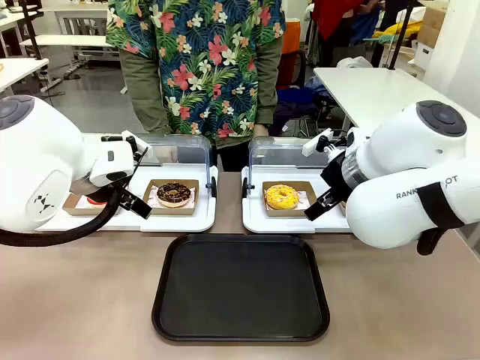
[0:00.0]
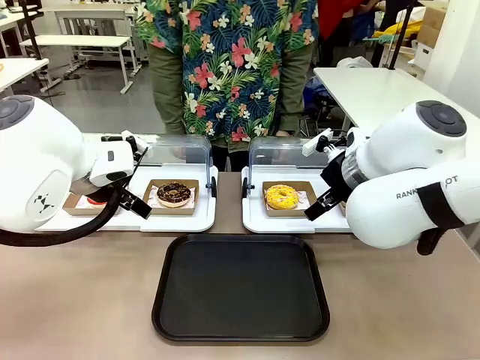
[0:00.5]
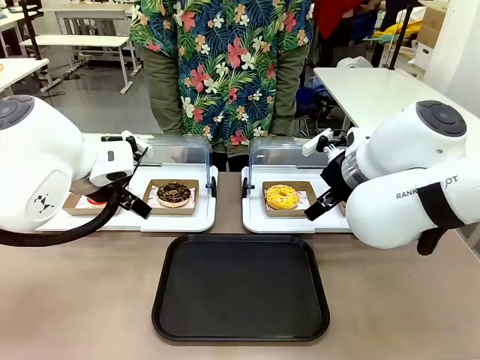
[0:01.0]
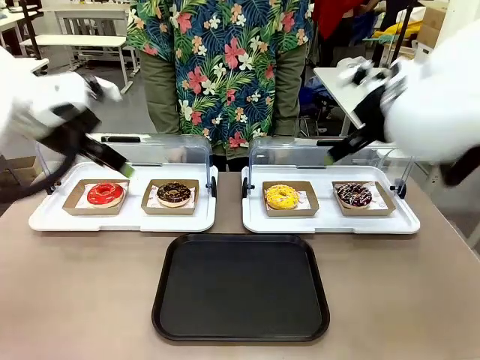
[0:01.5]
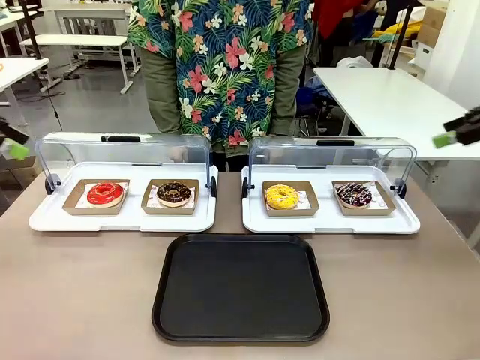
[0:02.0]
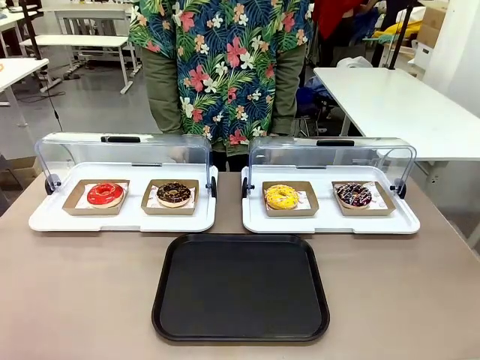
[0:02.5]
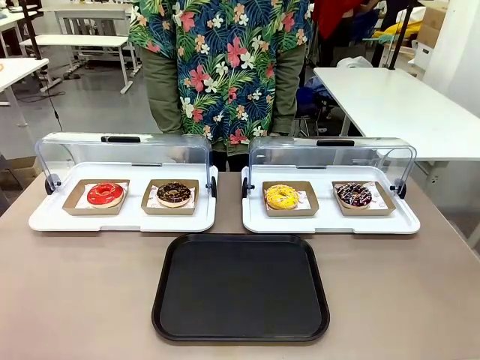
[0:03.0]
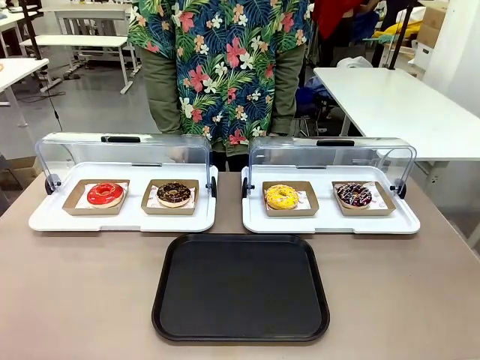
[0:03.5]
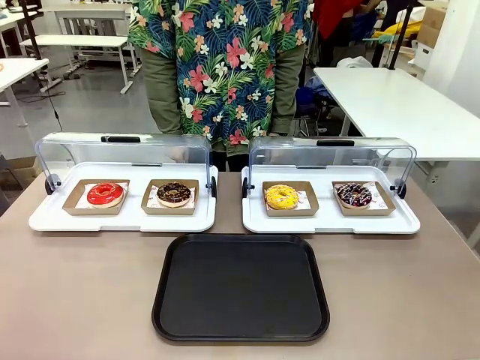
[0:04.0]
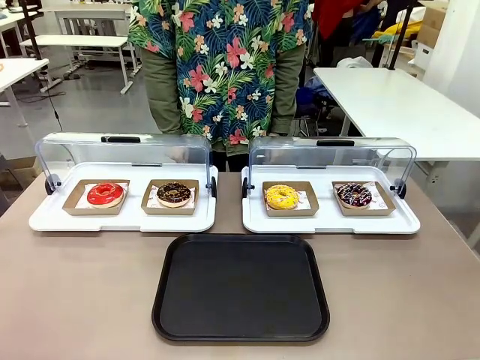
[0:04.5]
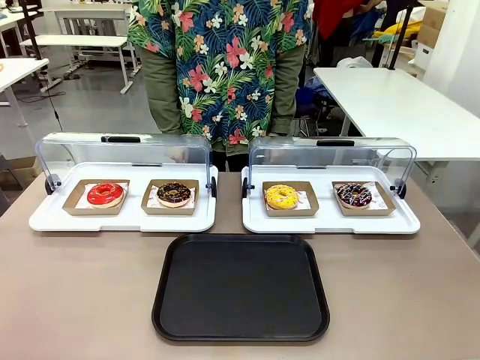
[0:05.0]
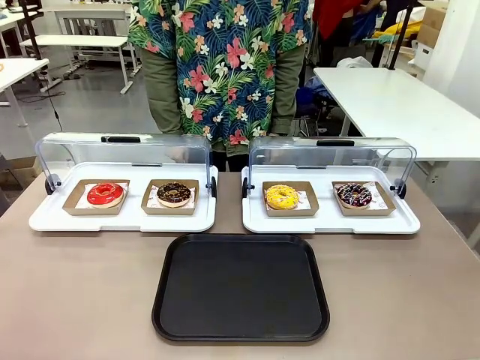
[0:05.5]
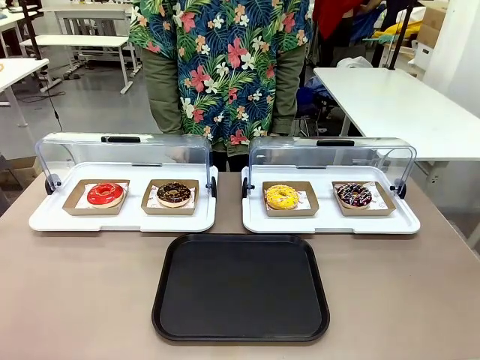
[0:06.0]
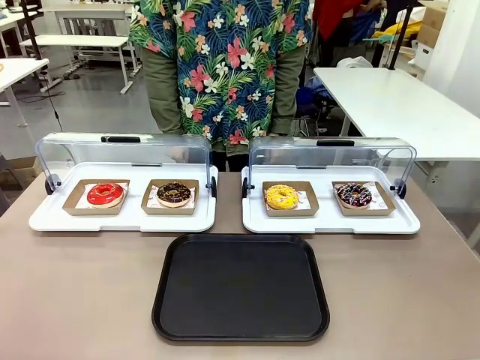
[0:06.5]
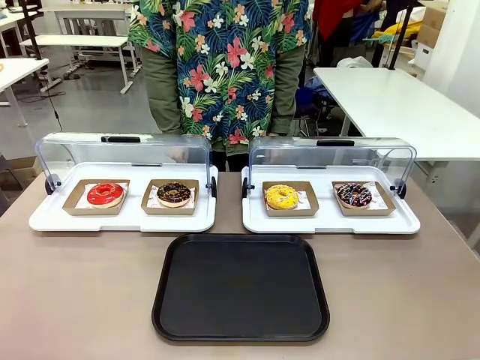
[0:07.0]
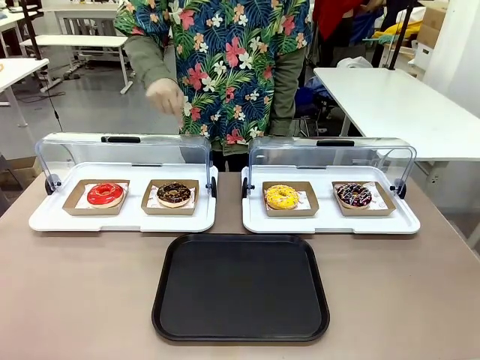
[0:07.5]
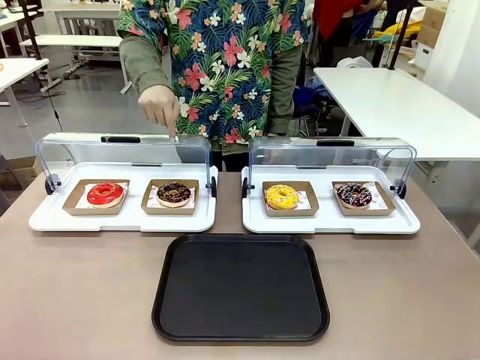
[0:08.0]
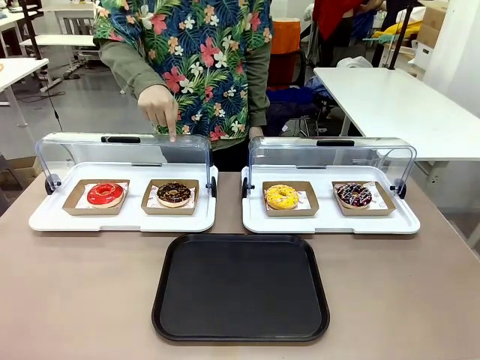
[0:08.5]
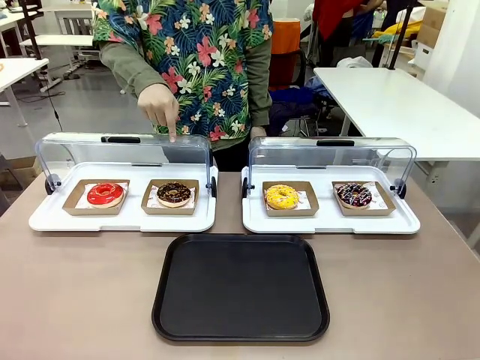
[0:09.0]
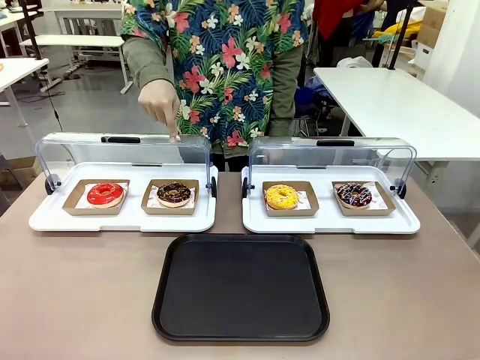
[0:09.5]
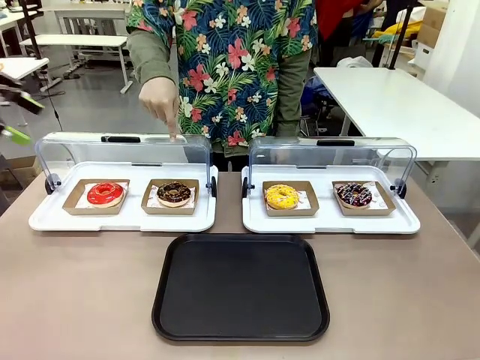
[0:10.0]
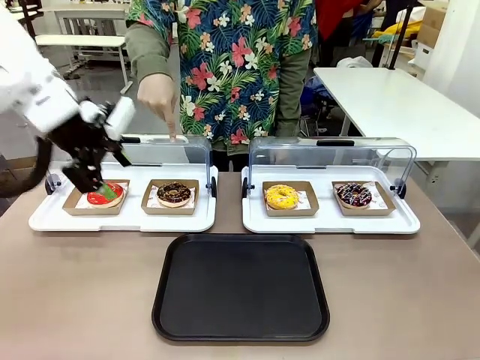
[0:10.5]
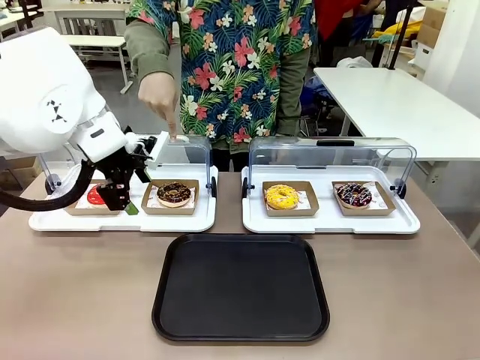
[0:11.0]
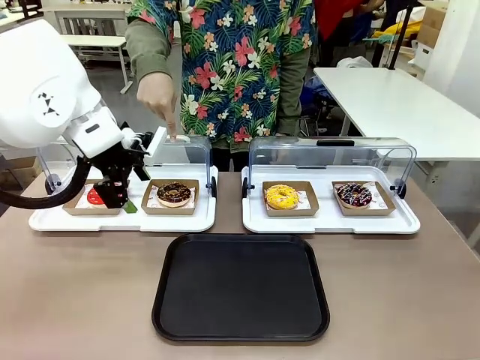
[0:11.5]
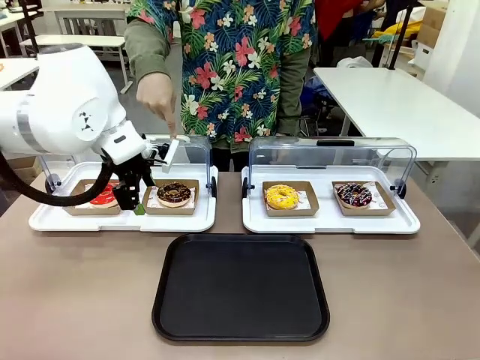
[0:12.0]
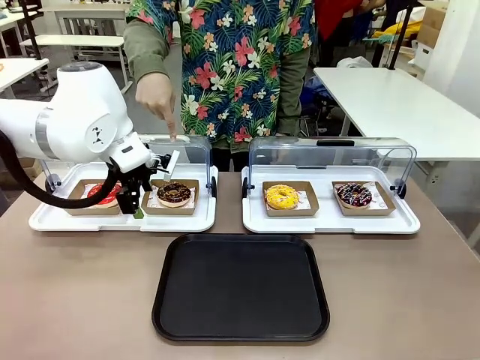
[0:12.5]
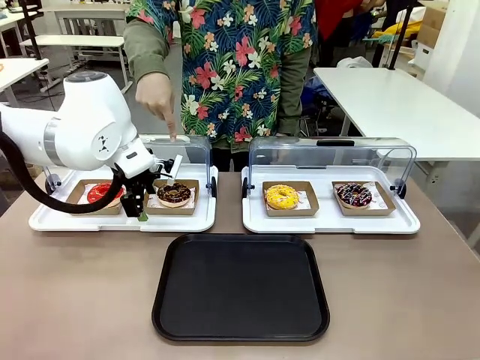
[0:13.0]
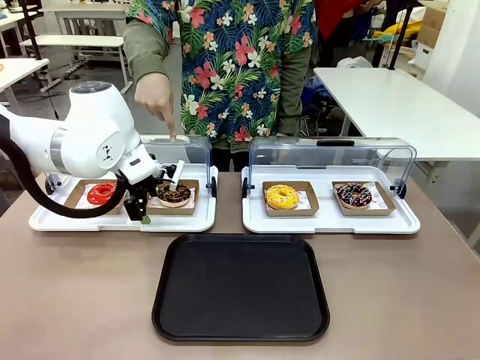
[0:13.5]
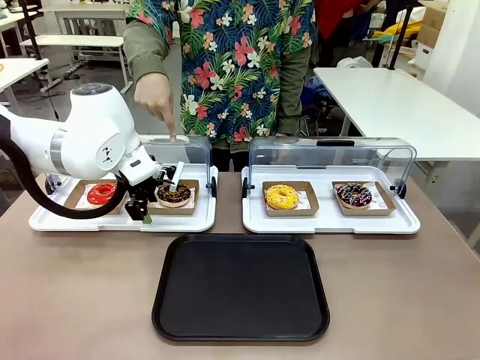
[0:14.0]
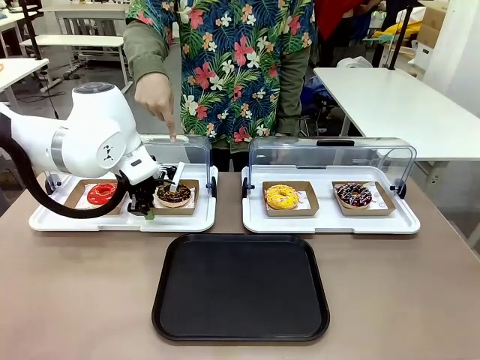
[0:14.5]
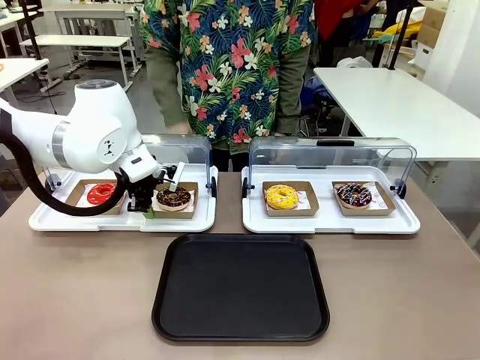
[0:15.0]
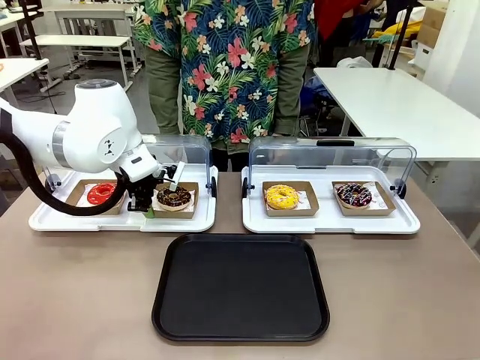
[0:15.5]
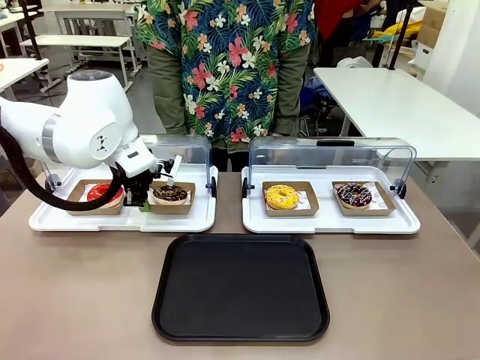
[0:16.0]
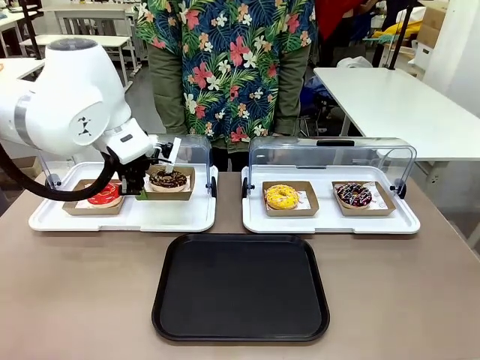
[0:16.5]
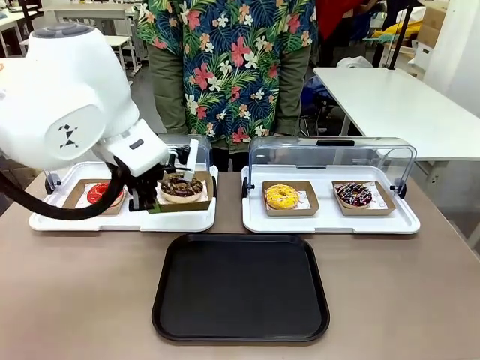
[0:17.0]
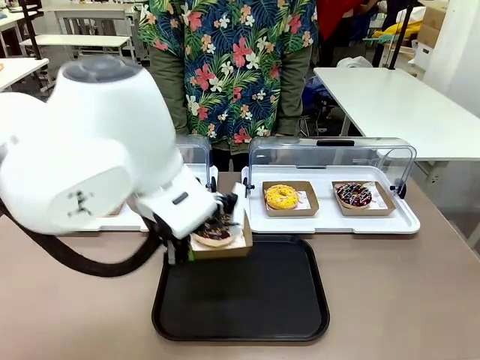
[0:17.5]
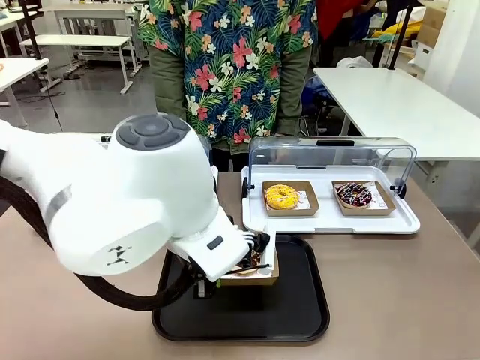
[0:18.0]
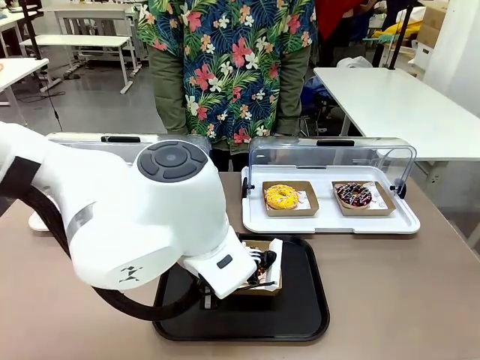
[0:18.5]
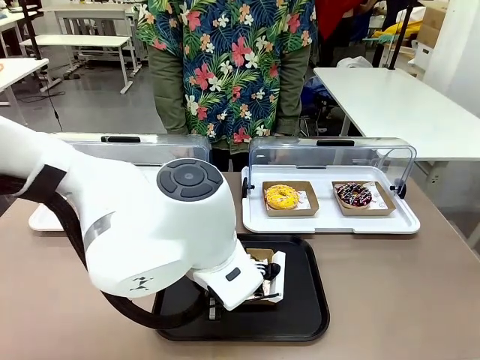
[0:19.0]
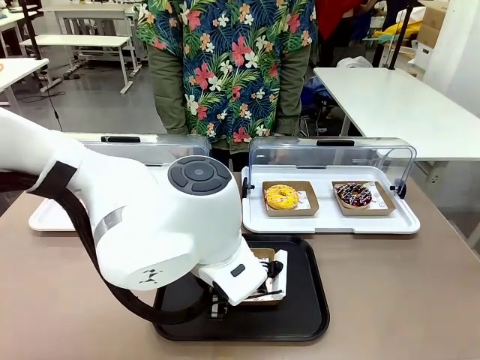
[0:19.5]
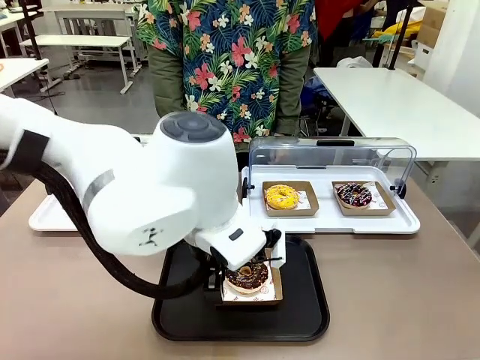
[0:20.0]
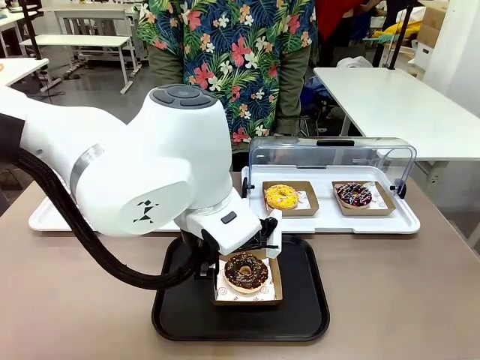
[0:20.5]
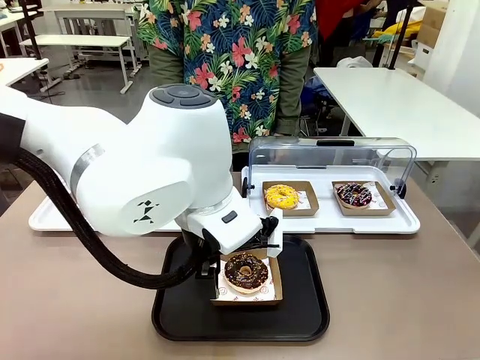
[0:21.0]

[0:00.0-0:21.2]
Task: Move the second donut from the left to the tray.
Robot: Pick up the Paper togo box containing the Donut indicated by the person and place it on the Handle tray.
Person: Points to the second donut from the left from the robot’s perspective.
